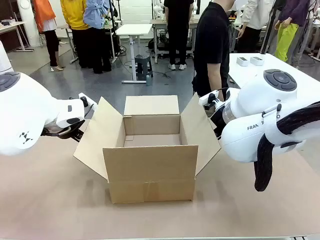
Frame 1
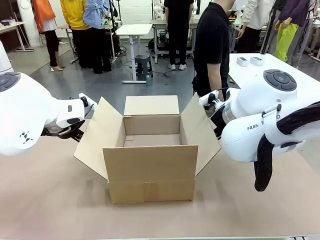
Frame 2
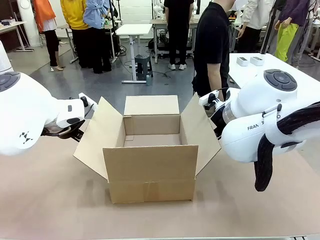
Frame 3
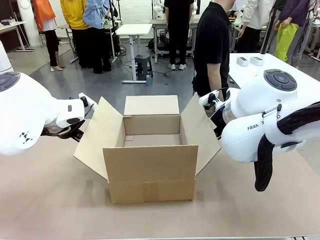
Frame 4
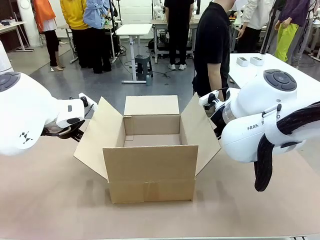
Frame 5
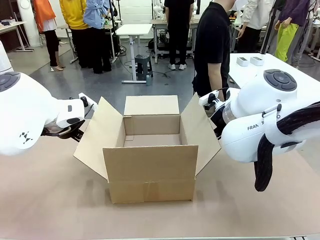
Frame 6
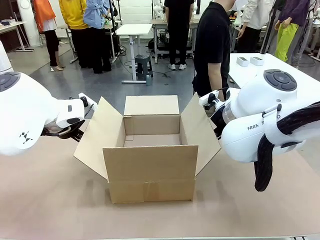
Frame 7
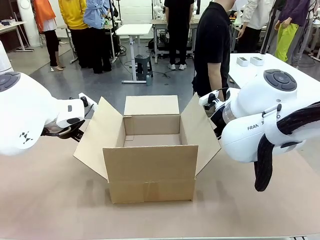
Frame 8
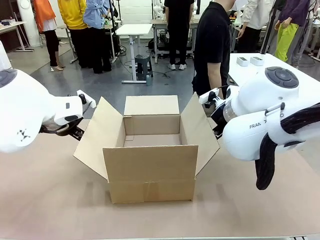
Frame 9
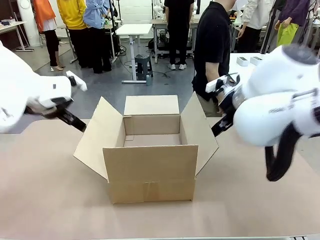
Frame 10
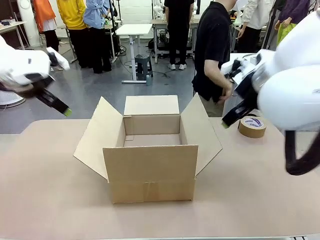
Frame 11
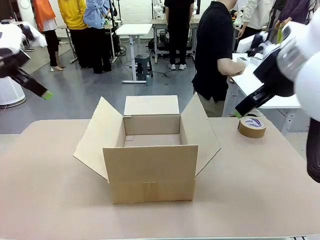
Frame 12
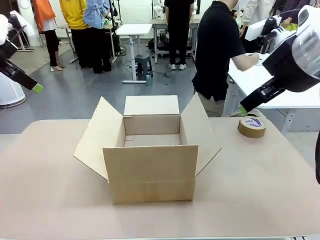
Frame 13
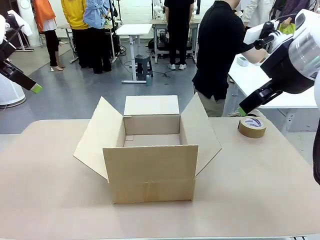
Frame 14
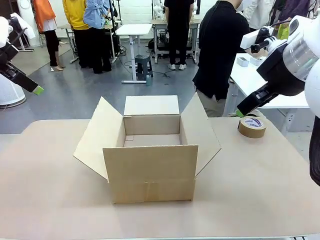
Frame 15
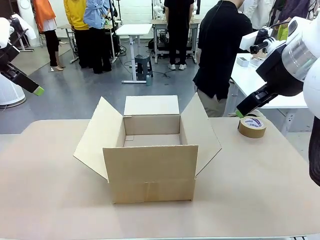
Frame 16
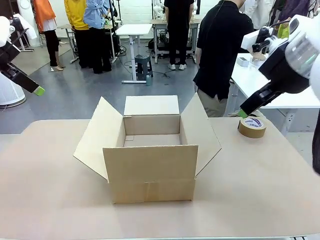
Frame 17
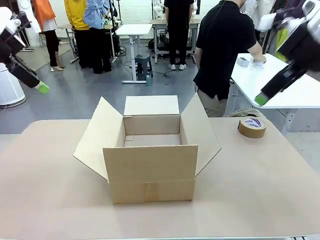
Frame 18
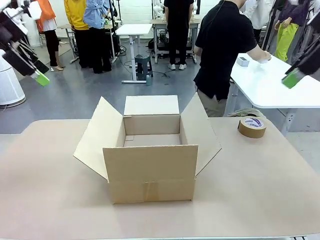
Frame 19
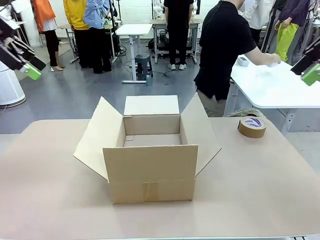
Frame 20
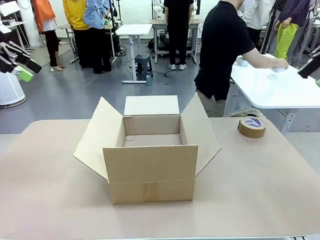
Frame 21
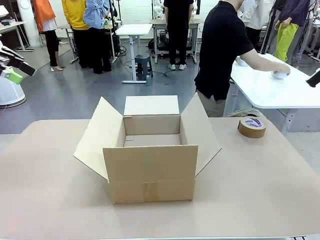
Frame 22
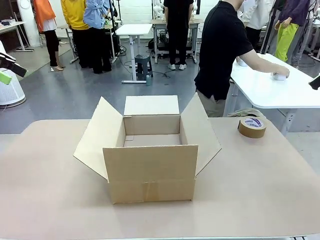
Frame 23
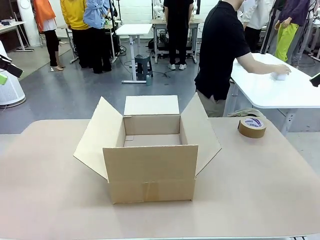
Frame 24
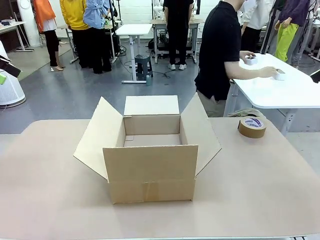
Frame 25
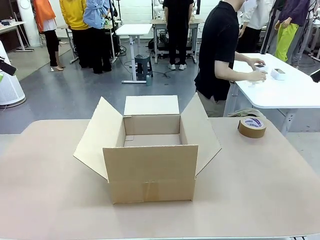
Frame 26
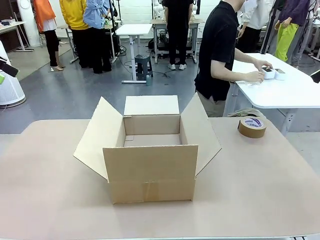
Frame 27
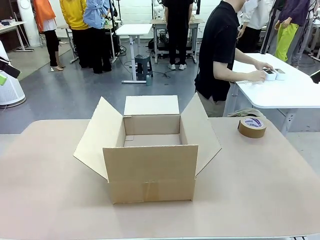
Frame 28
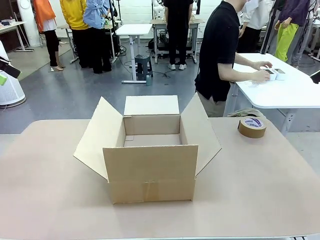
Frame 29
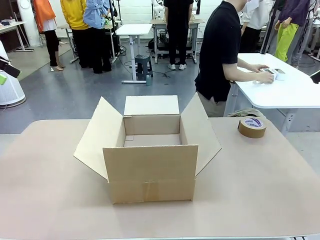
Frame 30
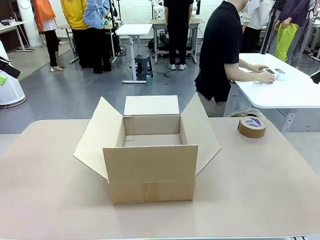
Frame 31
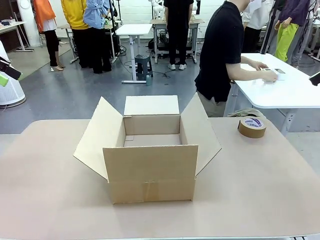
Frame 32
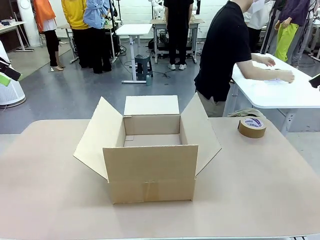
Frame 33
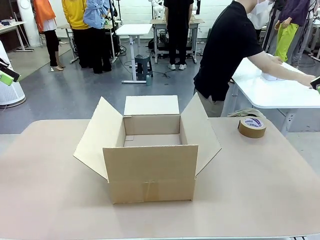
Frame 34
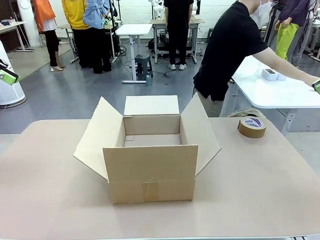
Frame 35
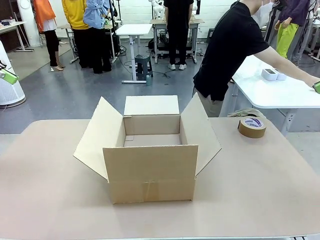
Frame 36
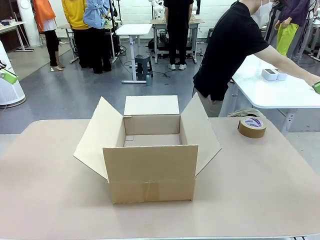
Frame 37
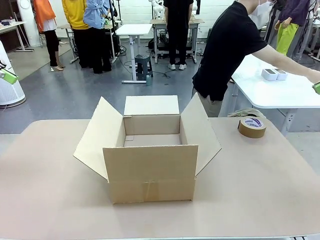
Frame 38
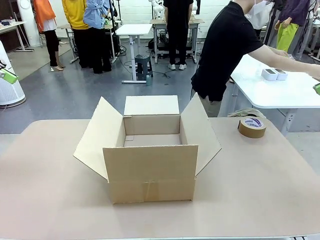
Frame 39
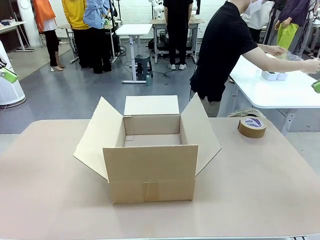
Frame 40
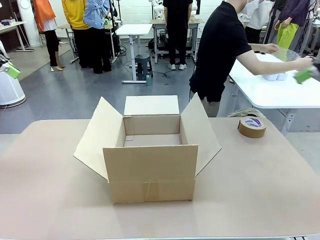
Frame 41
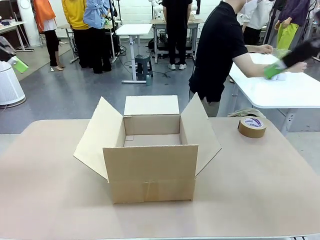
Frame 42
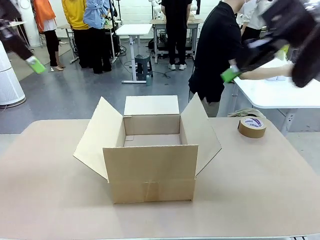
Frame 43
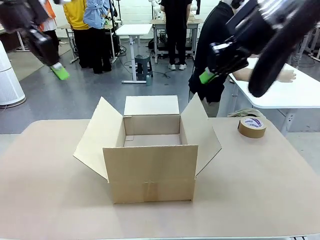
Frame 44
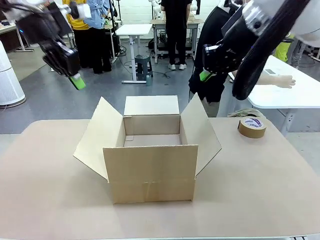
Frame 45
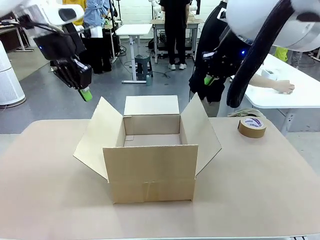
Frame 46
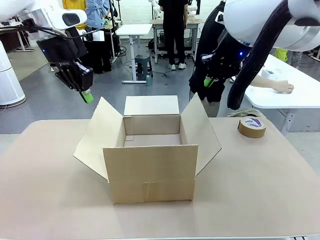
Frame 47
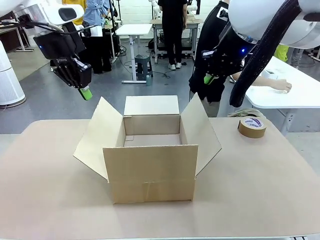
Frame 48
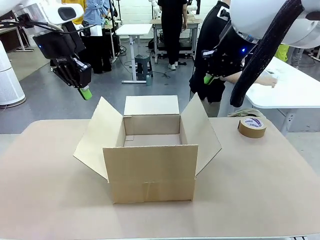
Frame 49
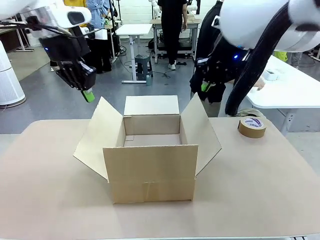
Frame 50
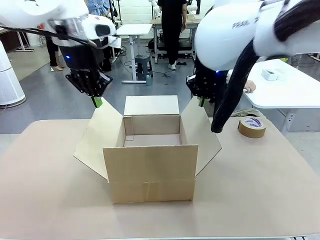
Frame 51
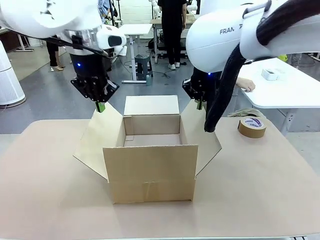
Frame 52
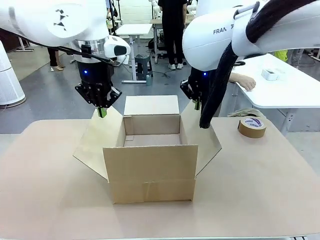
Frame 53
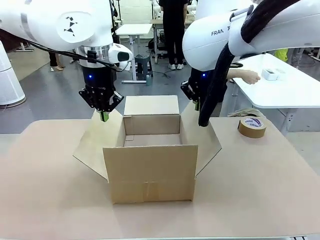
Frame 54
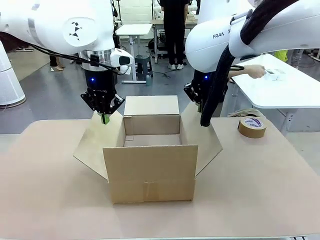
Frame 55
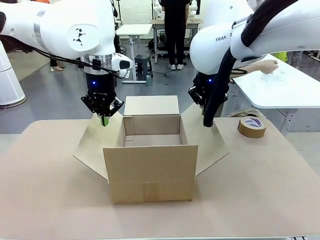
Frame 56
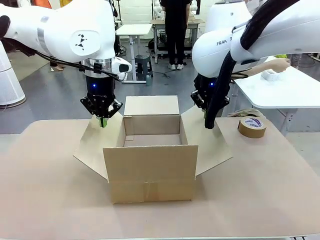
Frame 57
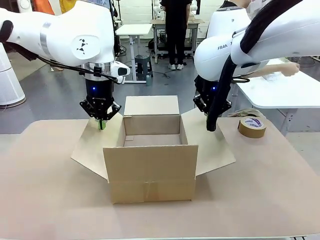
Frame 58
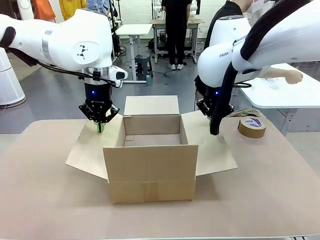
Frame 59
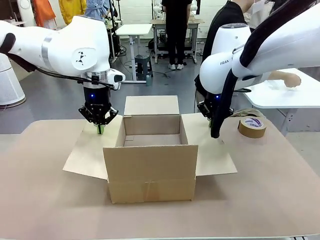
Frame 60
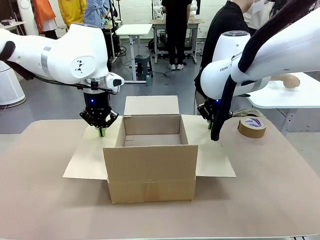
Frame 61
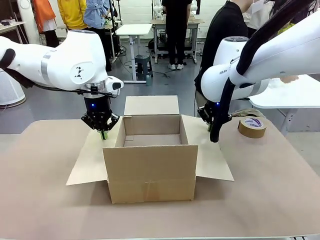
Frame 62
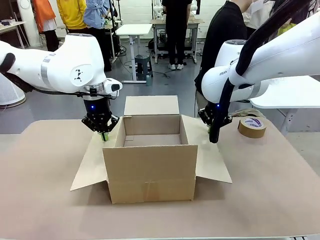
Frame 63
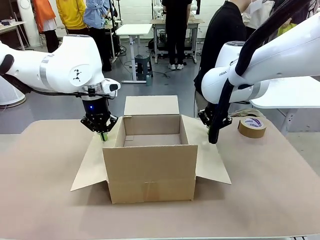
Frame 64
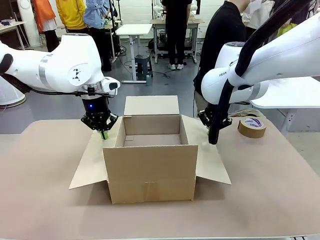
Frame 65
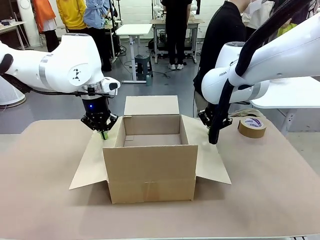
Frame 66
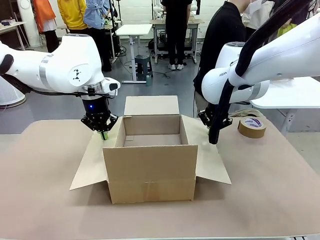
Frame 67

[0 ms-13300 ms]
Task: Wrap the clocks to prevent damage.
Robot: Open the side flaps of the Package Box.
Person: Wrap the two Digital clocks with Bubble Wrap.
